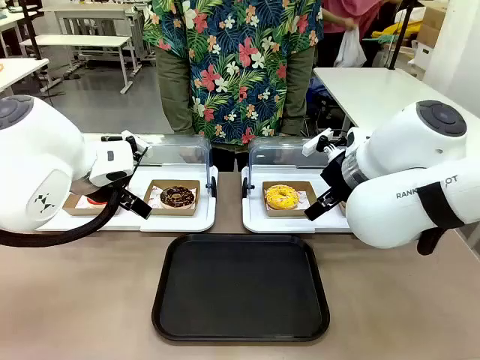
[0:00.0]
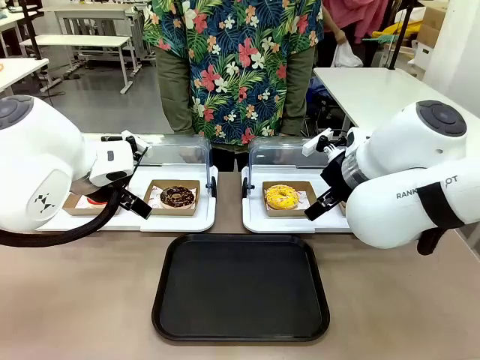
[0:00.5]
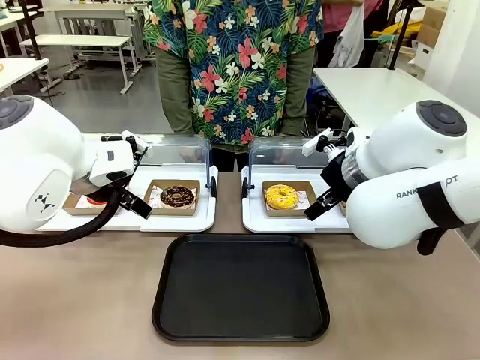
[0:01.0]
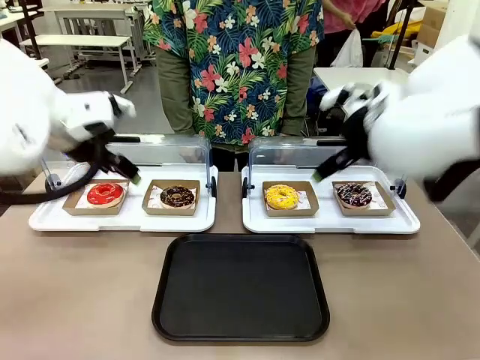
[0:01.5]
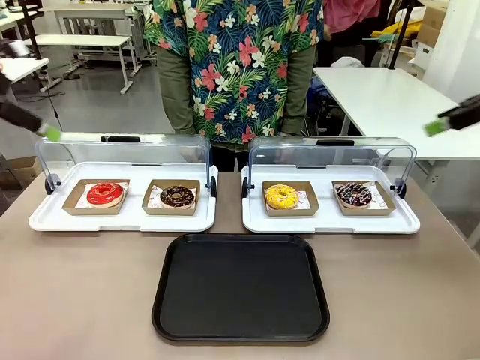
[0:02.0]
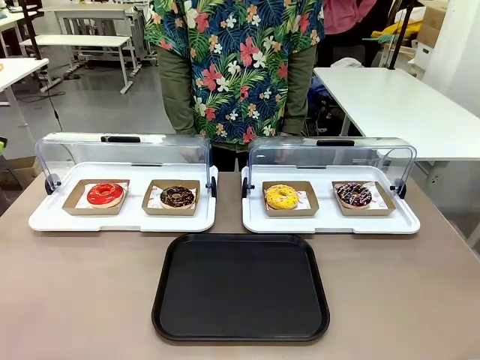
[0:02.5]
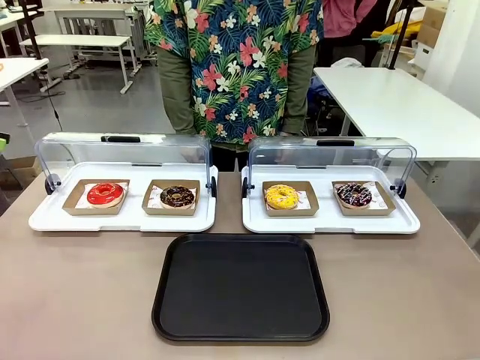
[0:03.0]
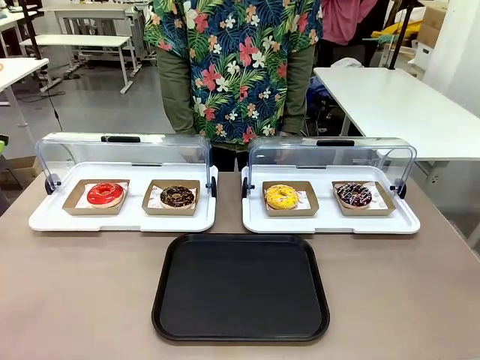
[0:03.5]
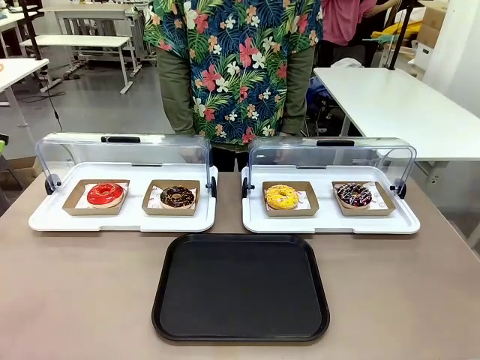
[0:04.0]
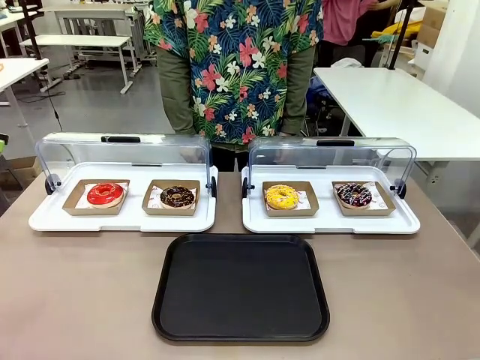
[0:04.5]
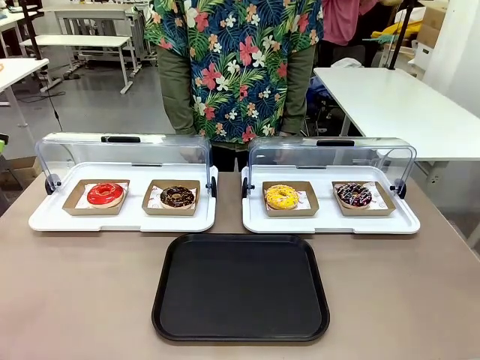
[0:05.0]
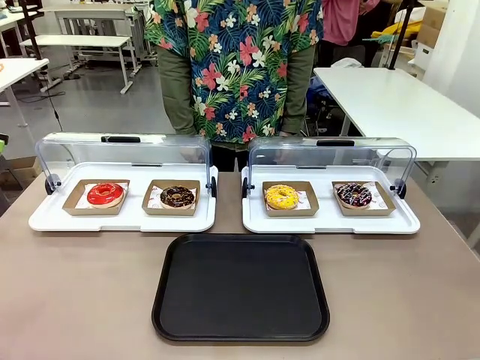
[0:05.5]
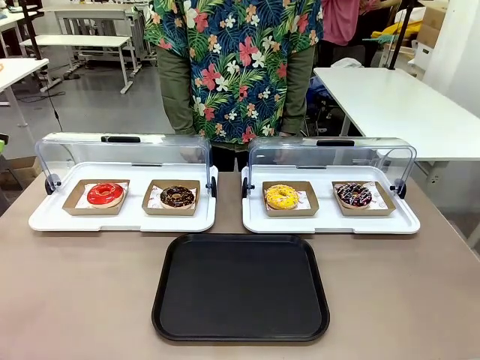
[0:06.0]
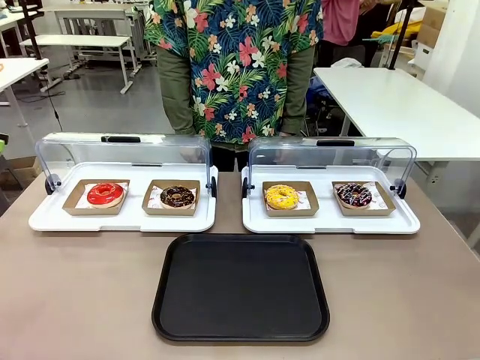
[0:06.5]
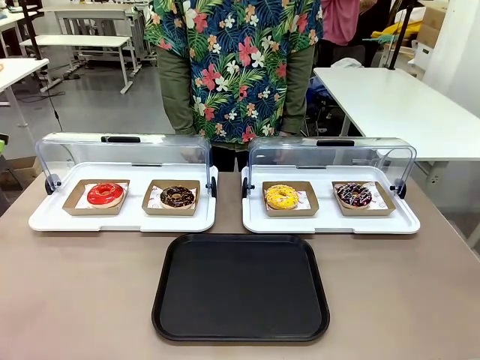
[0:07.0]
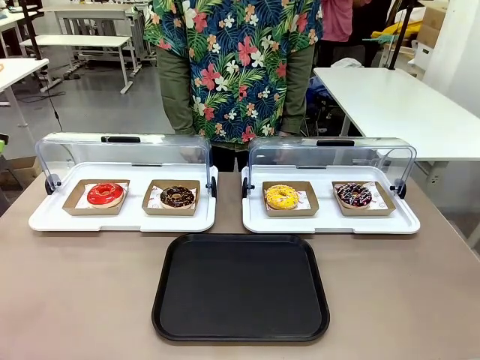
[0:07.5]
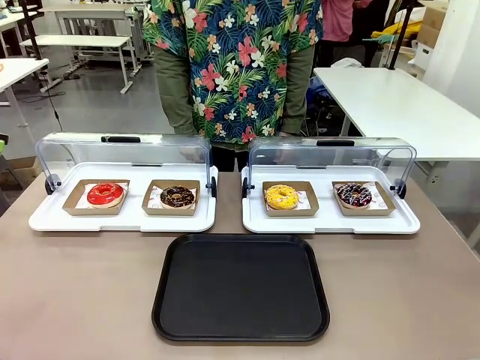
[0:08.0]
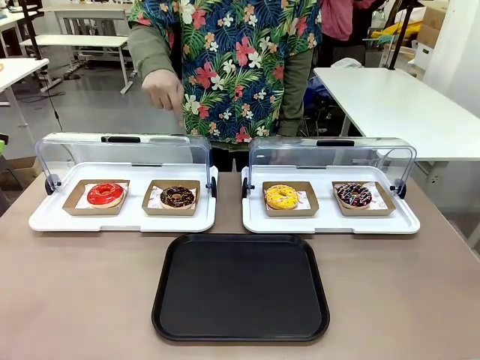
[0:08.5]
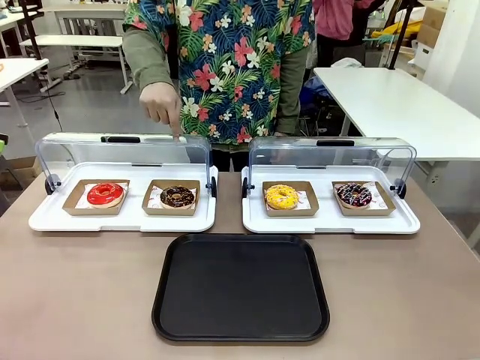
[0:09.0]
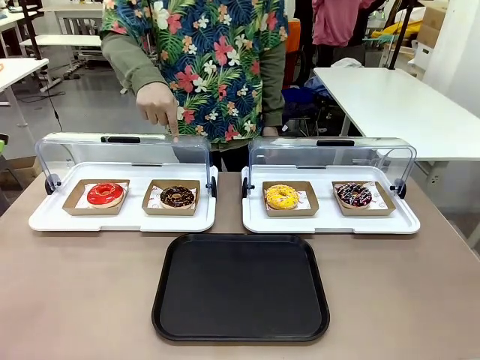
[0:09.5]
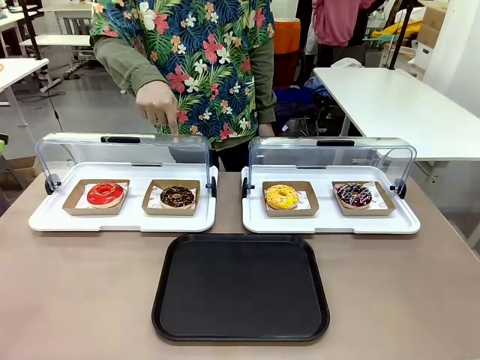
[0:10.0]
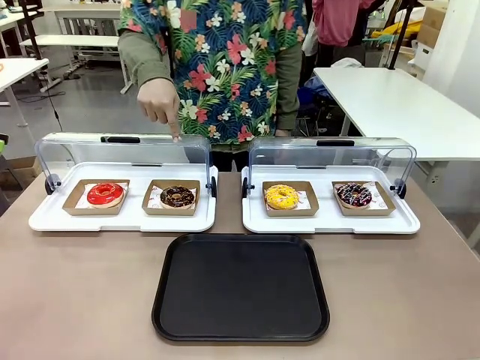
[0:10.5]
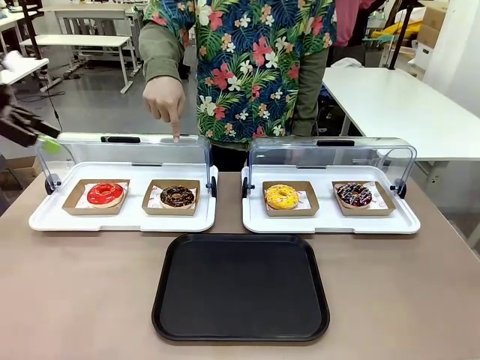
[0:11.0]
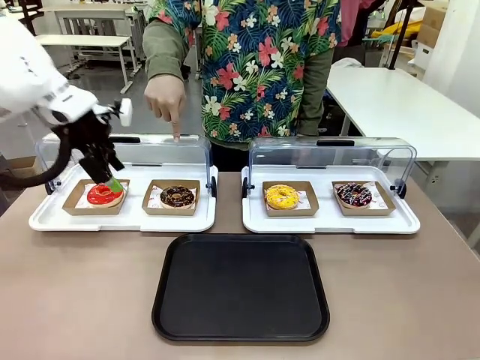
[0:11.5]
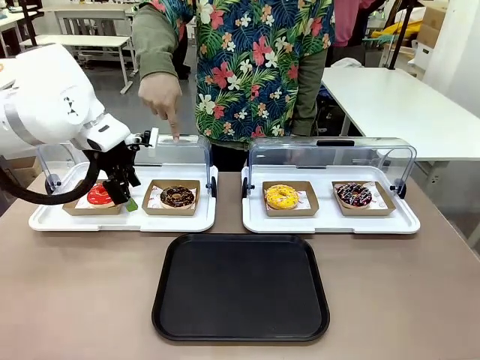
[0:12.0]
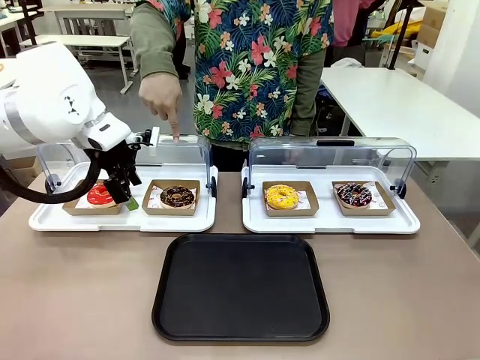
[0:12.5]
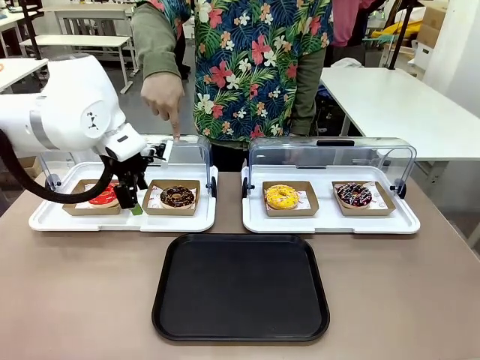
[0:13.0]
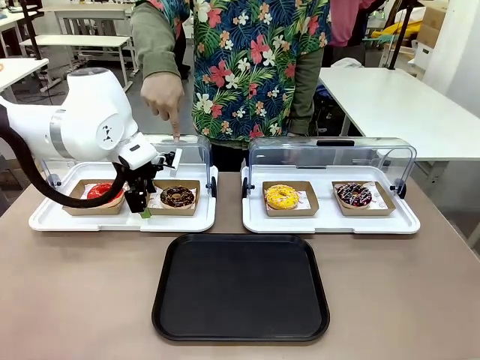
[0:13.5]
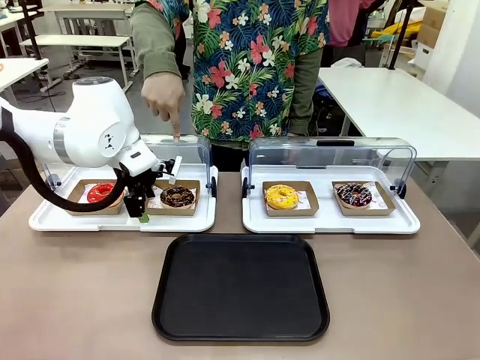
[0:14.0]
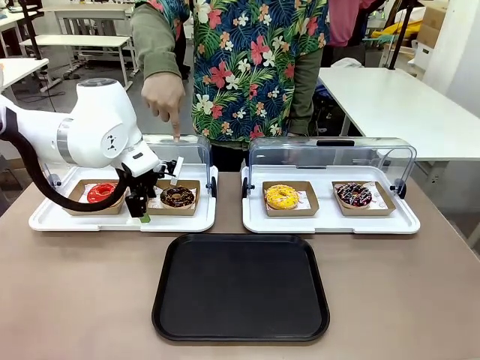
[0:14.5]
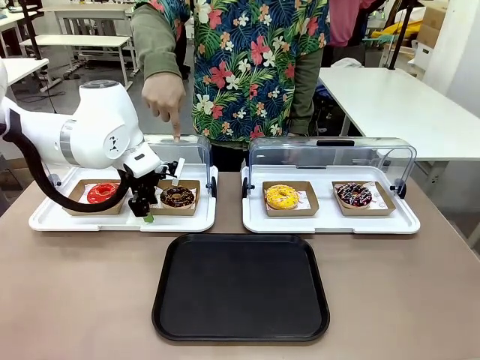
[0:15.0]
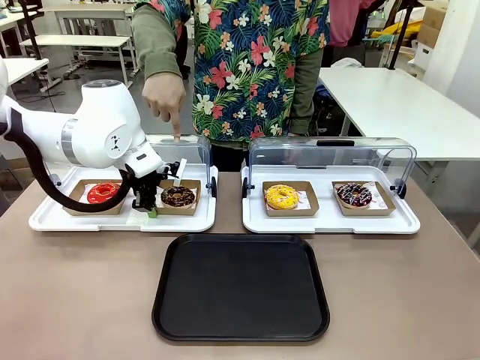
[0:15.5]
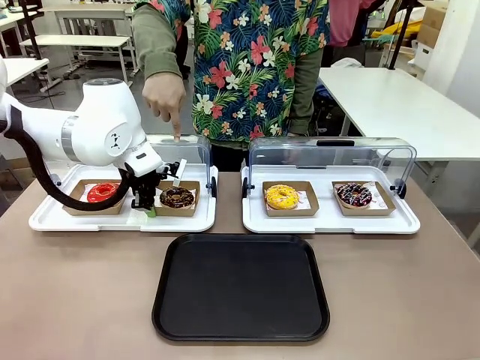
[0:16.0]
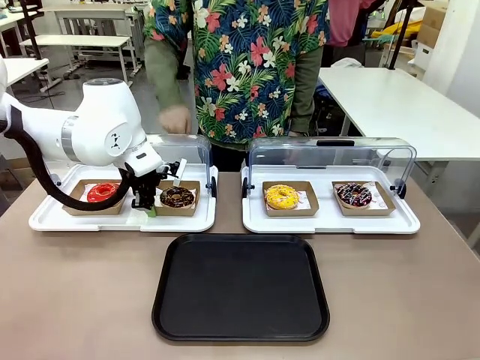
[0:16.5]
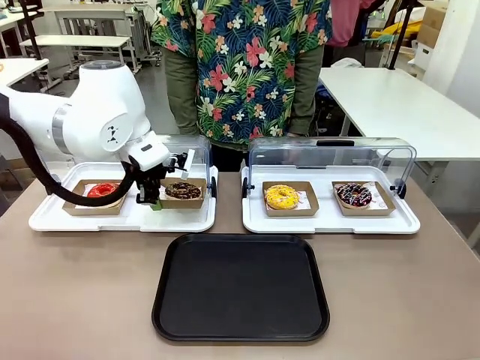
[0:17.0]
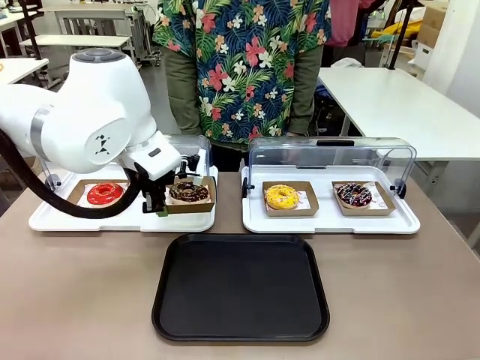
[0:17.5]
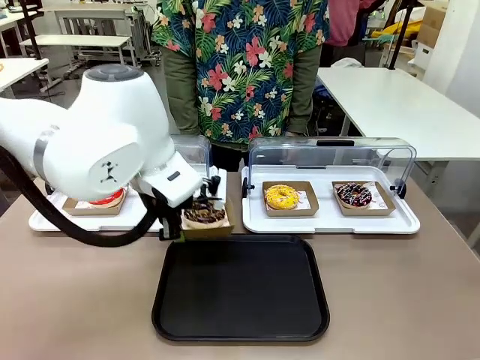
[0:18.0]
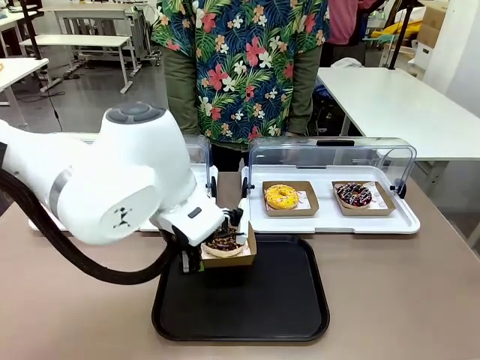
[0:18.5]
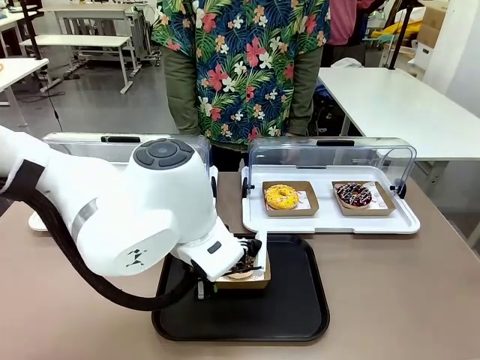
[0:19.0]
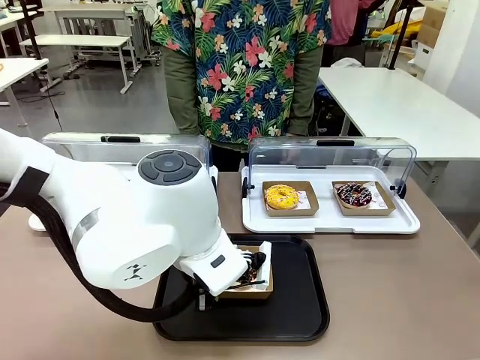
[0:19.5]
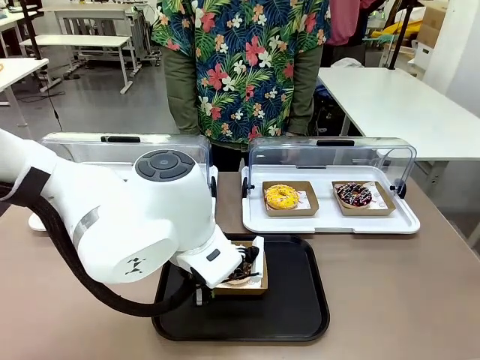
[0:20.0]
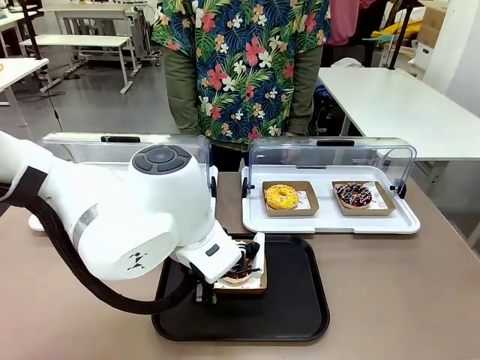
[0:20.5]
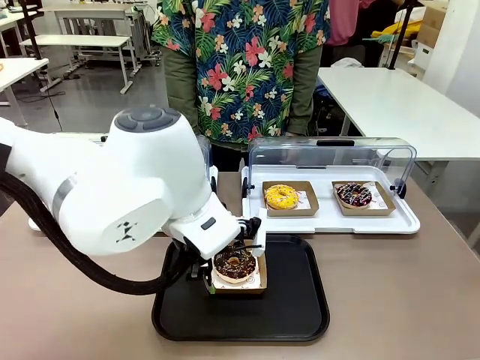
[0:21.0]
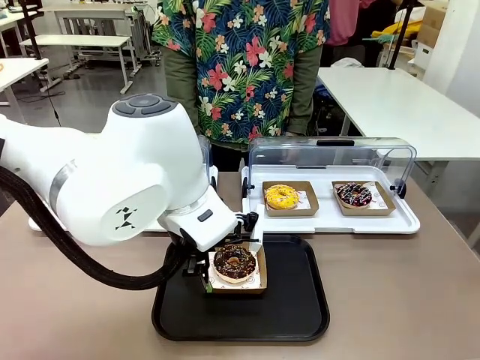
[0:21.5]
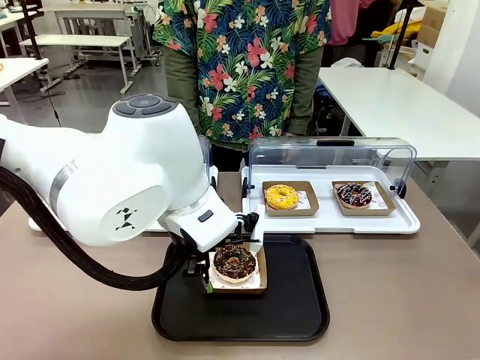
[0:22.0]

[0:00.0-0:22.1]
Task: Move the second donut from the left to the tray.
Robot: Pick up the Paper togo box containing the Donut indicated by the person and place it on the Handle tray.
Person: Points to the second donut from the left from the robot’s perspective.
